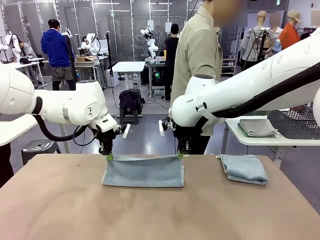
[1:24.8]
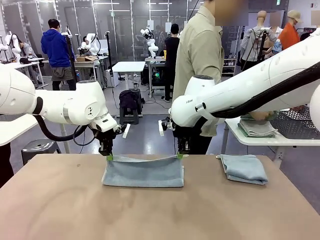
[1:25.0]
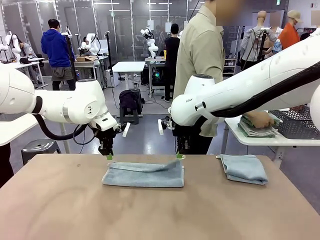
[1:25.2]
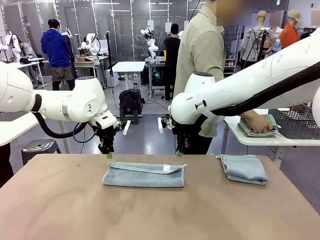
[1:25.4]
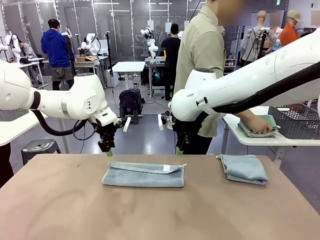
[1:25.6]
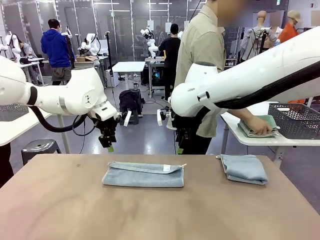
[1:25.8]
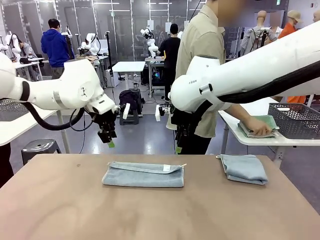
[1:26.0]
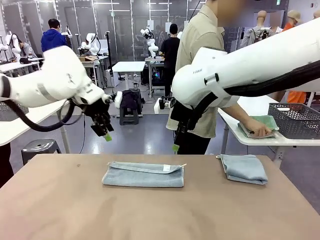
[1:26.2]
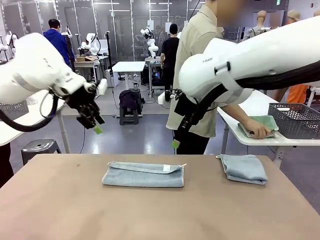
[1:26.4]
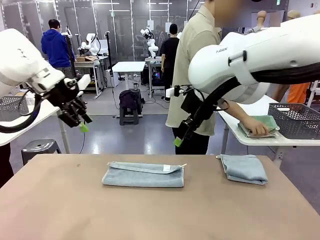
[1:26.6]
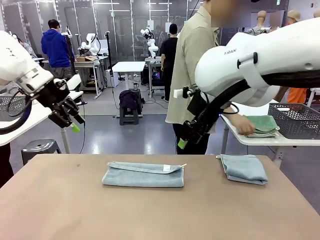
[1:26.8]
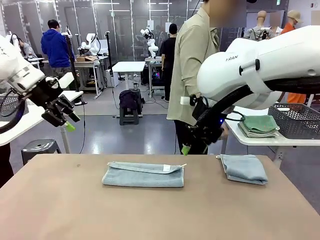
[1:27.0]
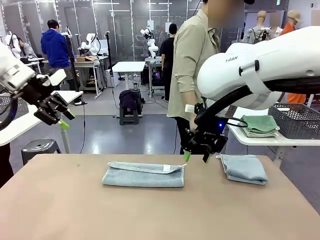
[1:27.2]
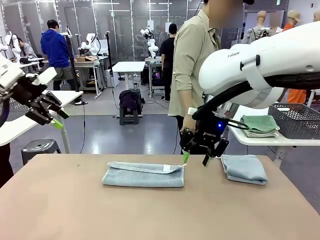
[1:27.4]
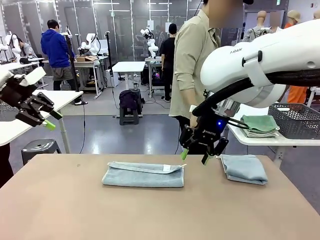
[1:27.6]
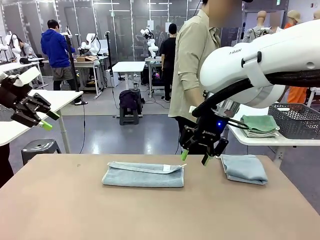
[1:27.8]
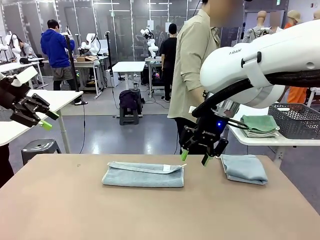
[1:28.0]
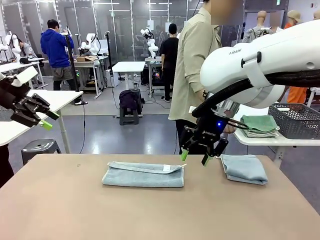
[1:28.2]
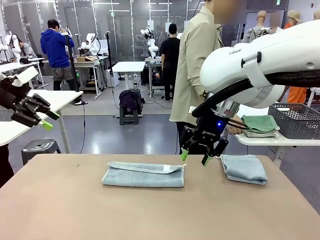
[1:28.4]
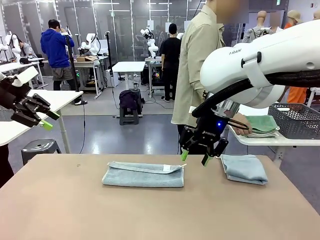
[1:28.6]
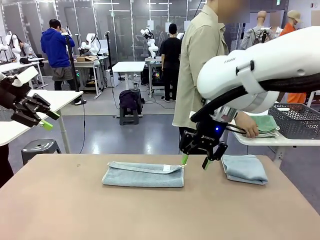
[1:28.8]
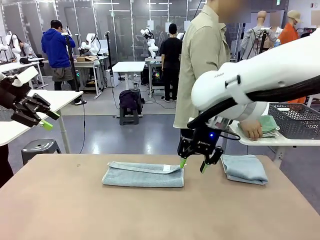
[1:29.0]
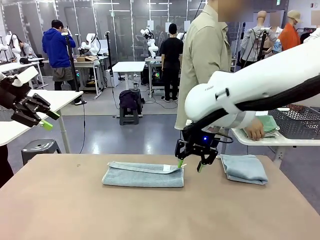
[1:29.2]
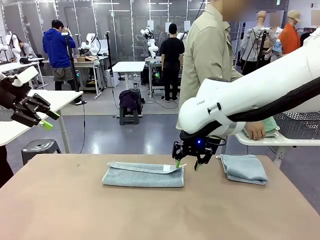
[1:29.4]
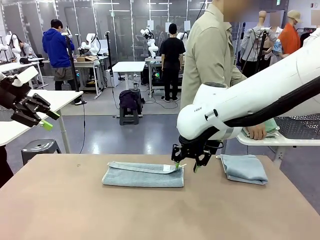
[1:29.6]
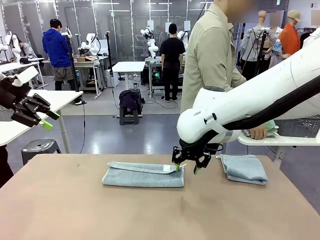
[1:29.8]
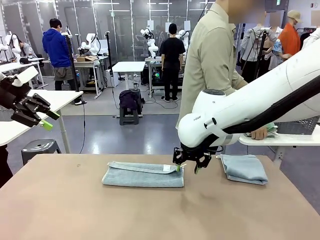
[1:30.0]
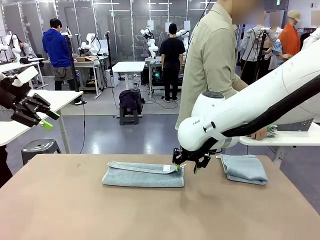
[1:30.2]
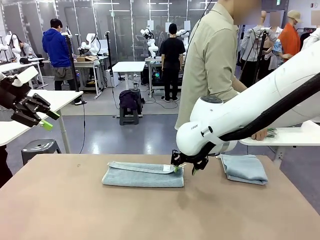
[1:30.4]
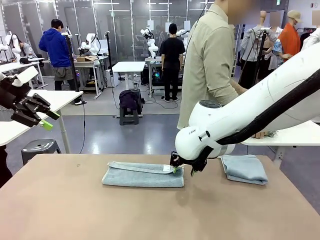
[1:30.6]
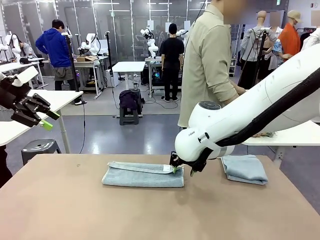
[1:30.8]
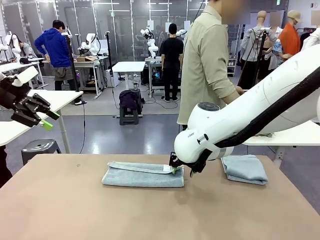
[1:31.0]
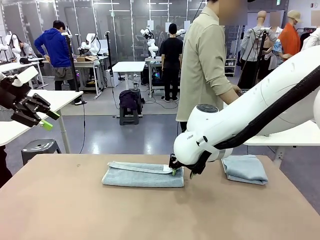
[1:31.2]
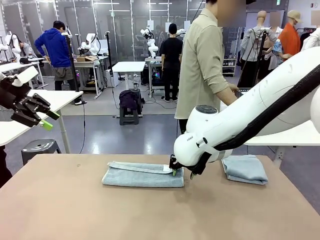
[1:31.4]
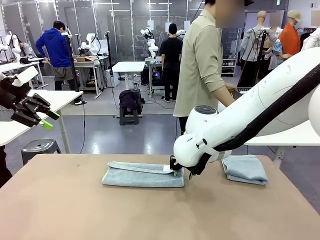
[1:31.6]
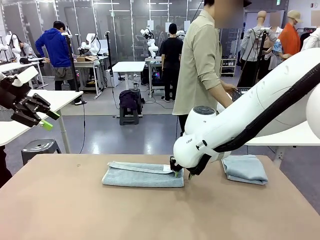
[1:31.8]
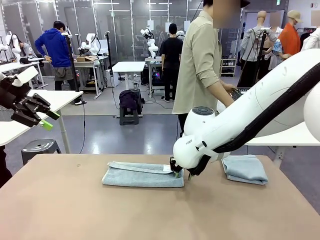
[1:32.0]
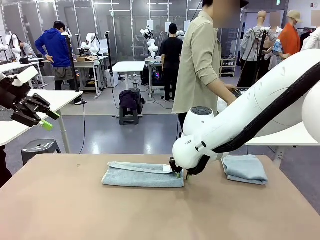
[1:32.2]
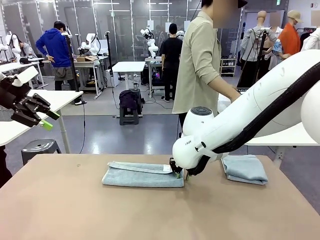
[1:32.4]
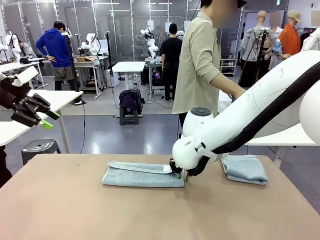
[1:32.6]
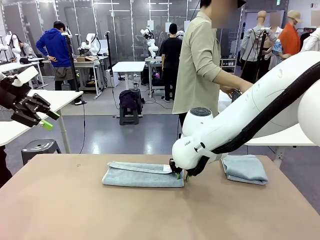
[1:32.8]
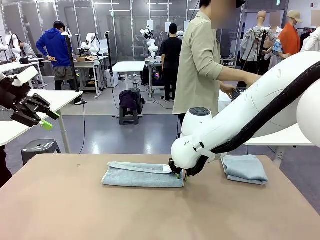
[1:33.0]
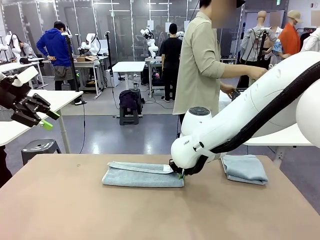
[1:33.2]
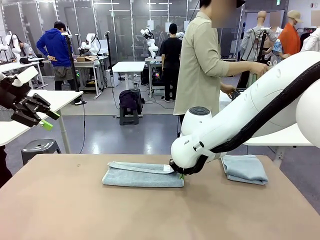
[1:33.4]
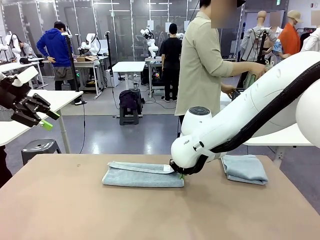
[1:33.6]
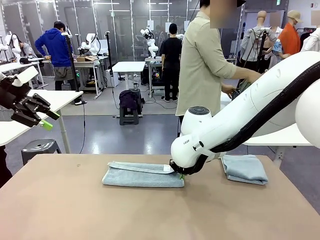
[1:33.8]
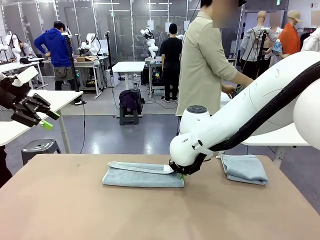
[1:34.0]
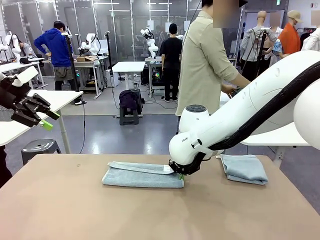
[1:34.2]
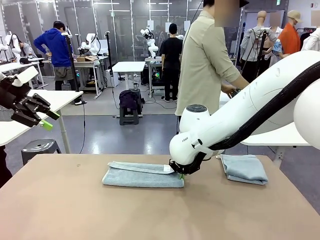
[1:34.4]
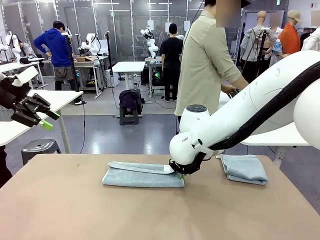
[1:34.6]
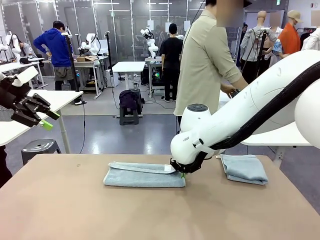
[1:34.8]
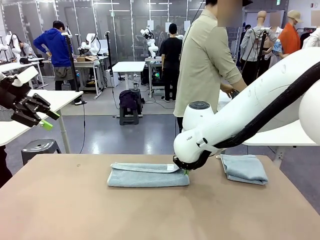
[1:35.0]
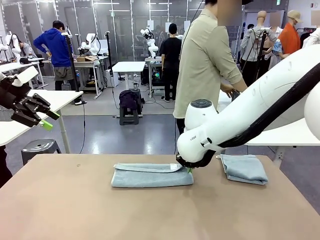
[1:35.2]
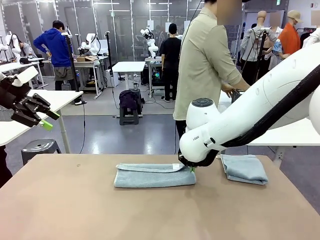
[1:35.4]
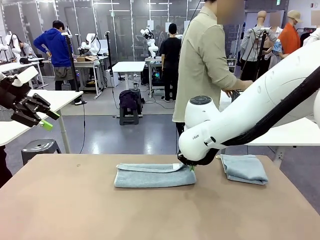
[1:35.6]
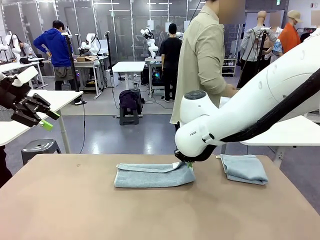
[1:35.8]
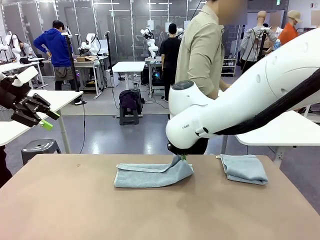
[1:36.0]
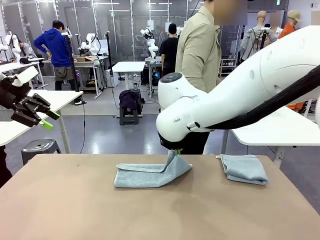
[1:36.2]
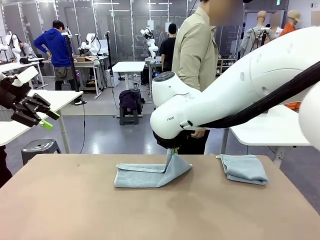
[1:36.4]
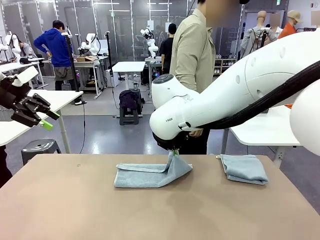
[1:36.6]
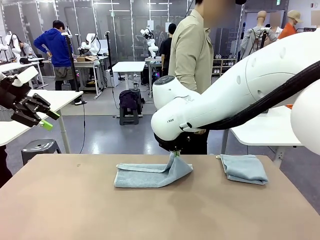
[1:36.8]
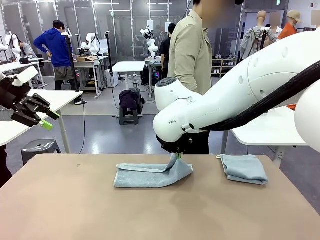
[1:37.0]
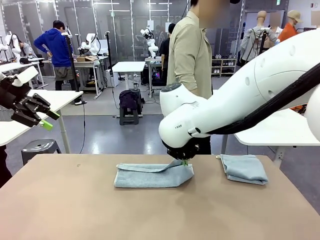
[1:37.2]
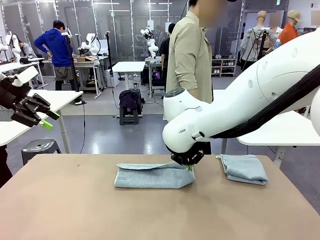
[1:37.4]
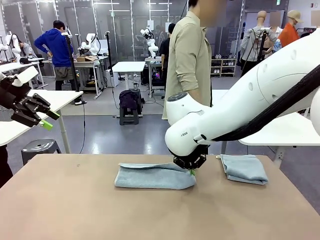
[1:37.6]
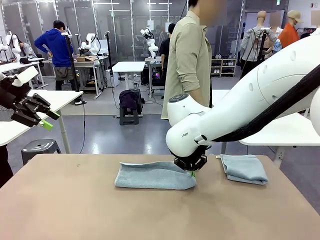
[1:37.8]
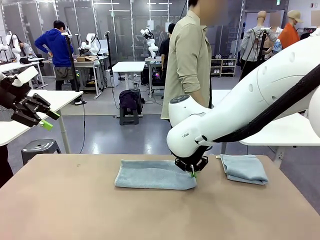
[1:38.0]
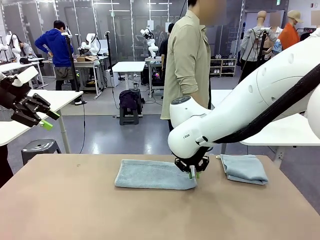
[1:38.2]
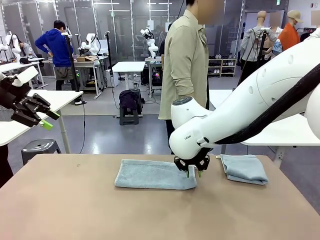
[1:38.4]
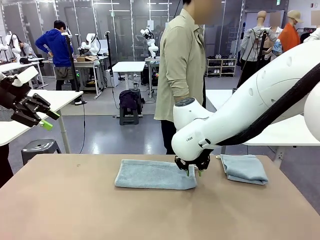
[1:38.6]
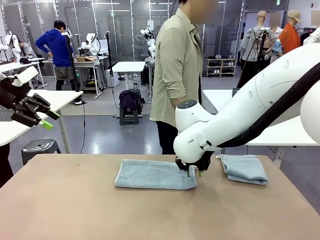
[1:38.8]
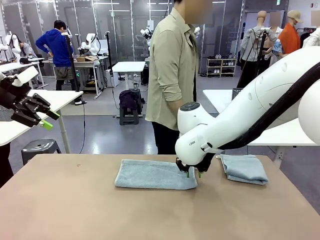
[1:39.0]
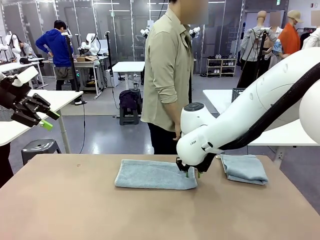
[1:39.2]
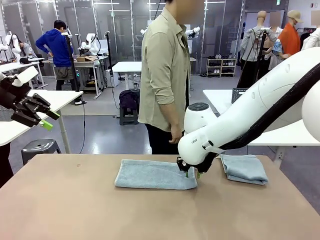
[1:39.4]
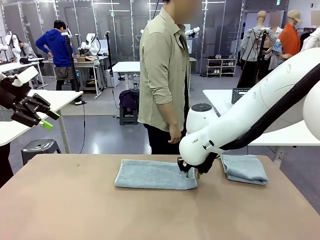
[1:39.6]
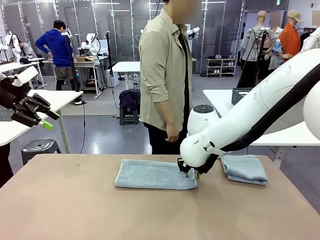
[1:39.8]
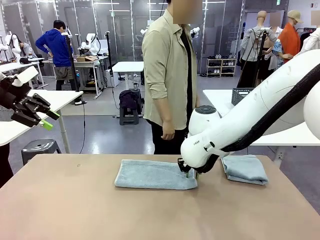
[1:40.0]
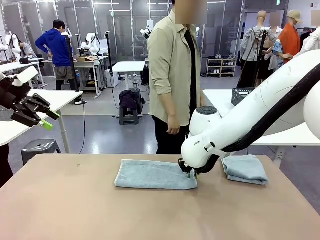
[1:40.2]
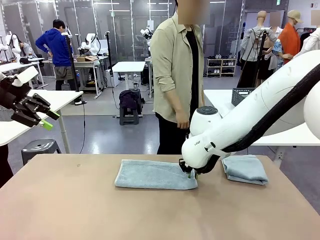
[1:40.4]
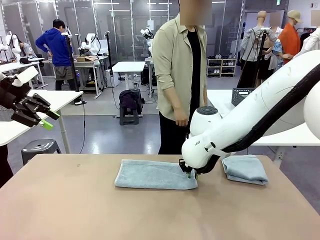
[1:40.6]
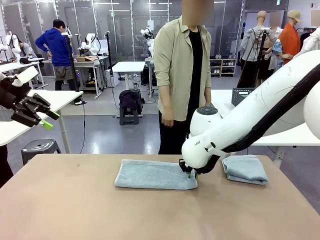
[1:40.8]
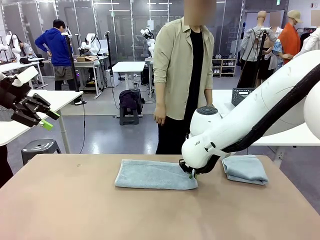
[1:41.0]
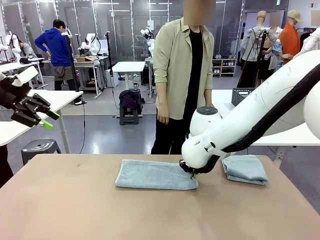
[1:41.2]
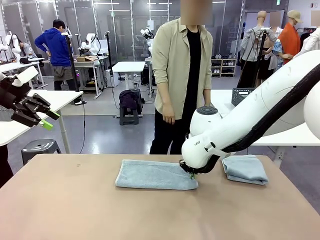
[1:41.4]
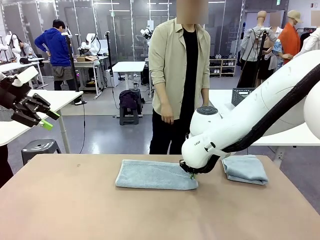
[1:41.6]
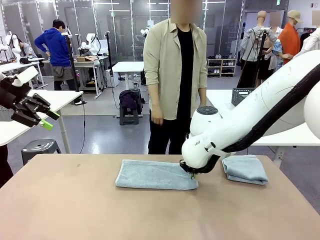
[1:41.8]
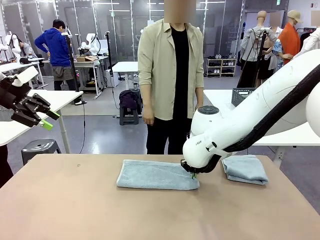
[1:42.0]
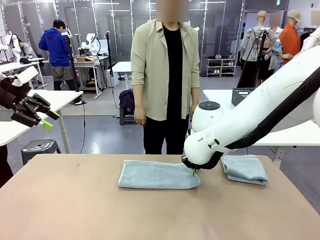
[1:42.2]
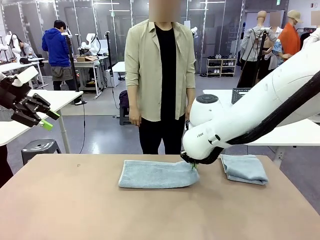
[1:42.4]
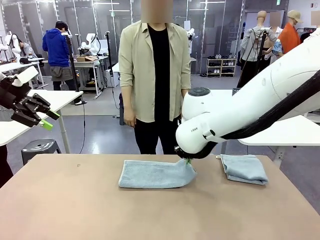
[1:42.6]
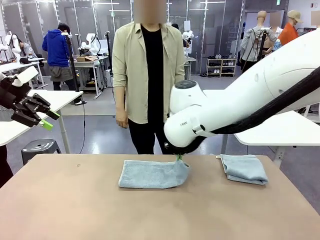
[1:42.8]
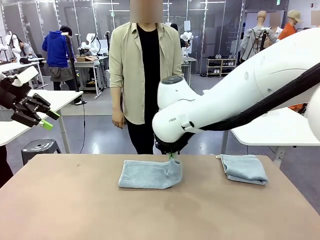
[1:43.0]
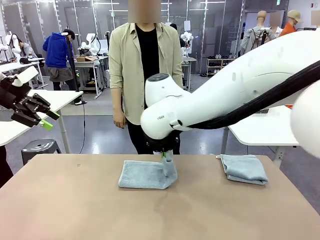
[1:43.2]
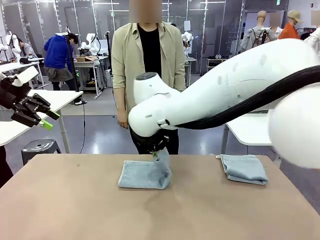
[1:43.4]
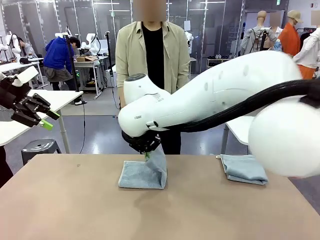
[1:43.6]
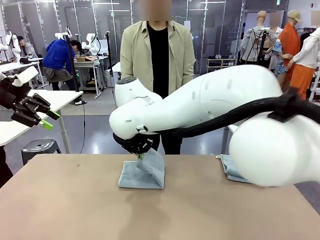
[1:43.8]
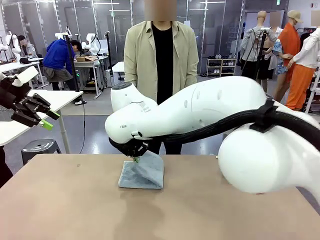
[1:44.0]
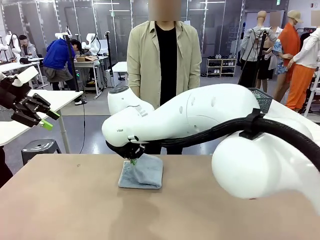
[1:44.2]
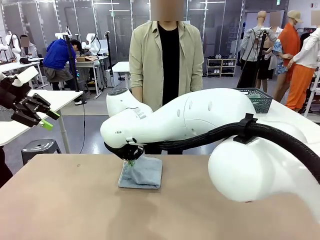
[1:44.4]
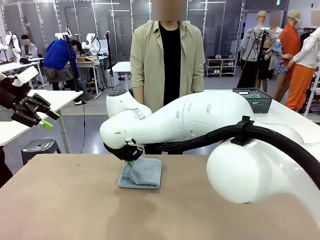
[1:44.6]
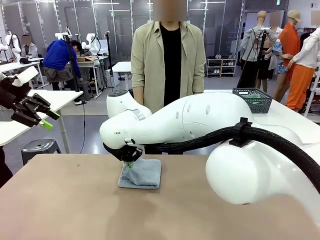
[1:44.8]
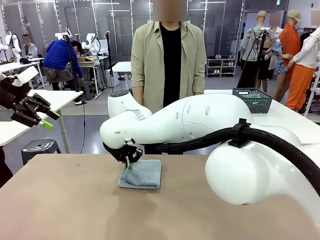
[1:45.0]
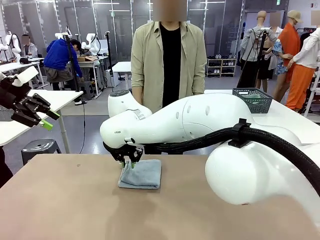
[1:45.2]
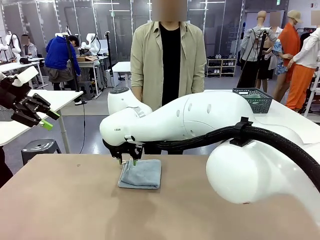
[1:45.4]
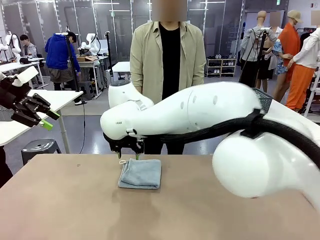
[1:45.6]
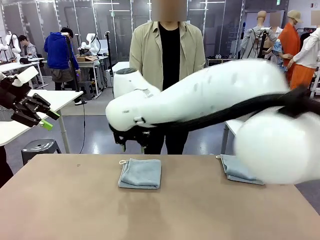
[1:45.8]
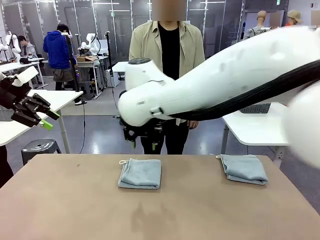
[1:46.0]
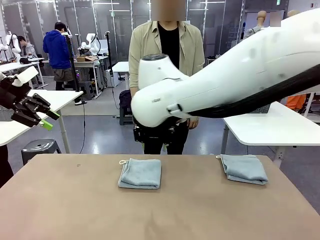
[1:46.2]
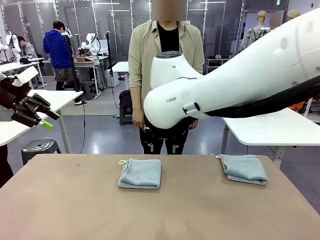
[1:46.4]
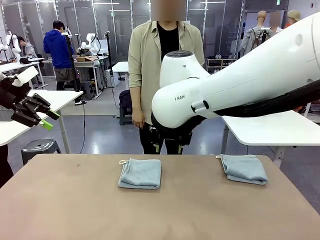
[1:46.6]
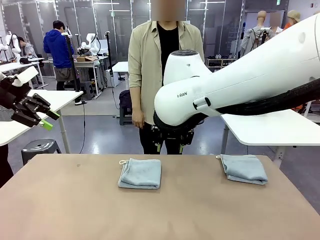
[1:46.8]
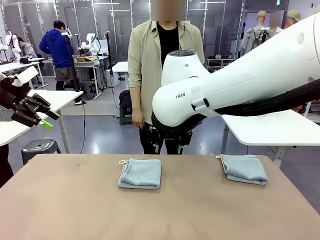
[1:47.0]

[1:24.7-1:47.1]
Task: Fold the towels and place them in the basket.
Robot: When a person lays out a Towel with hook on the table, fold it in half twice.
Person: Pick up the stack of towels from the right side of the human table, place it into the basket, and put the basket at the center of the table.
